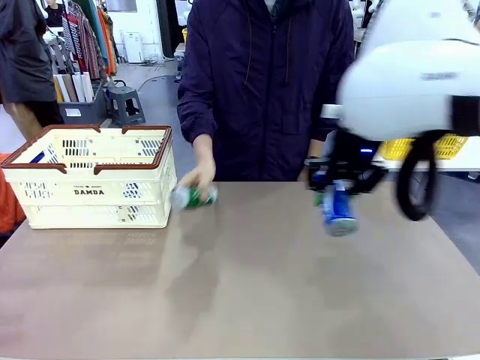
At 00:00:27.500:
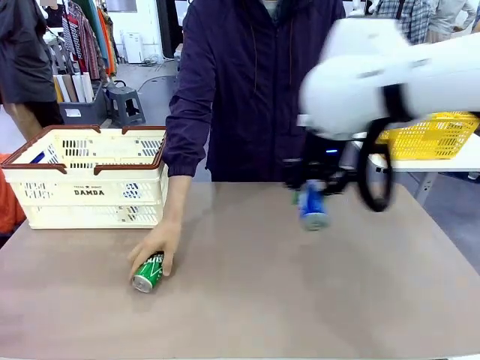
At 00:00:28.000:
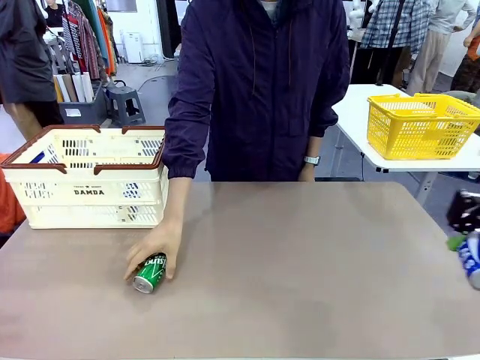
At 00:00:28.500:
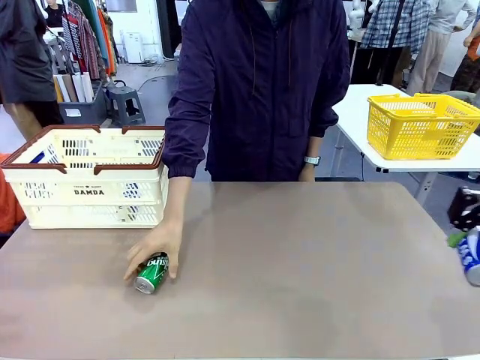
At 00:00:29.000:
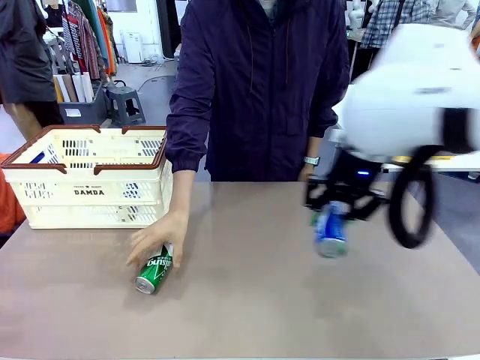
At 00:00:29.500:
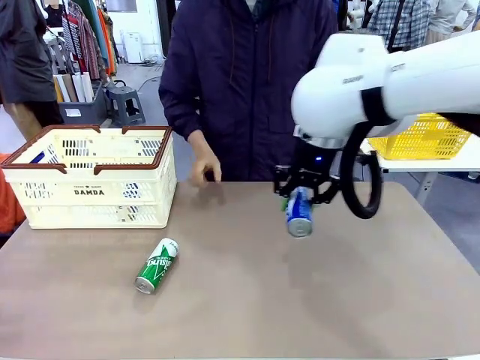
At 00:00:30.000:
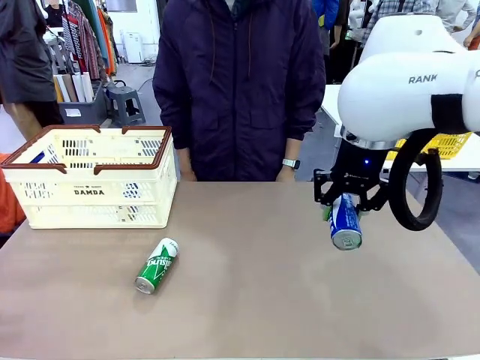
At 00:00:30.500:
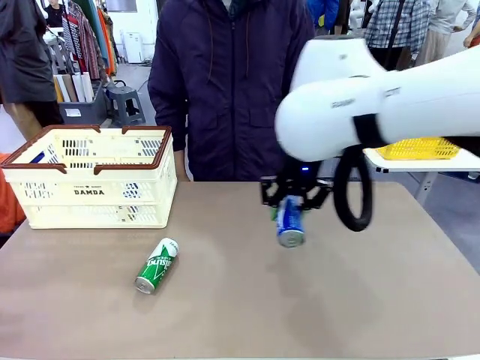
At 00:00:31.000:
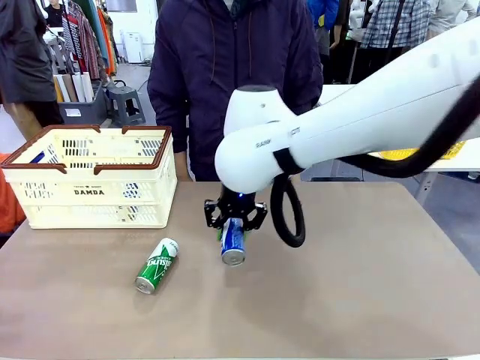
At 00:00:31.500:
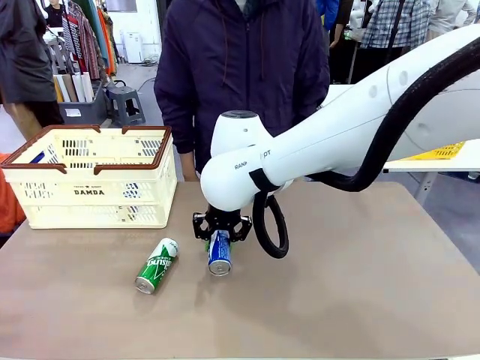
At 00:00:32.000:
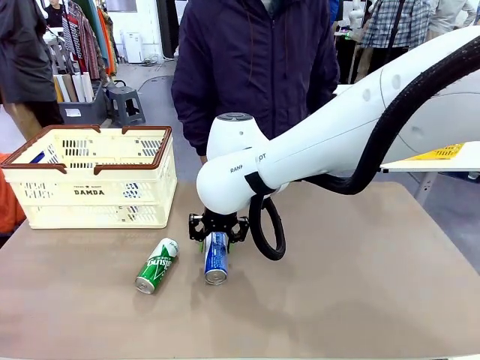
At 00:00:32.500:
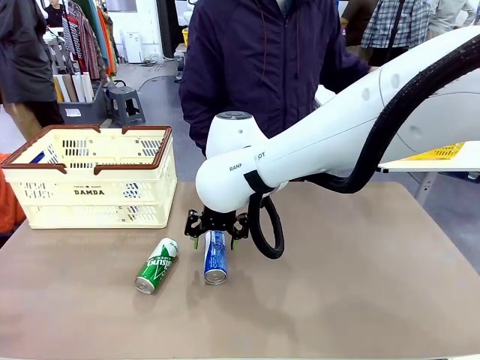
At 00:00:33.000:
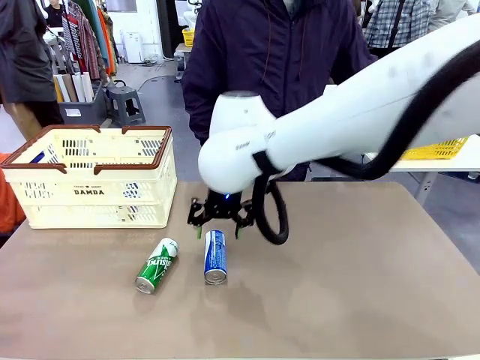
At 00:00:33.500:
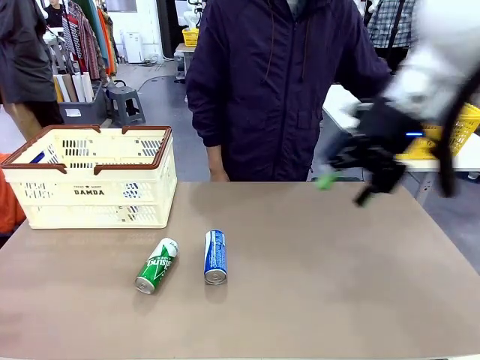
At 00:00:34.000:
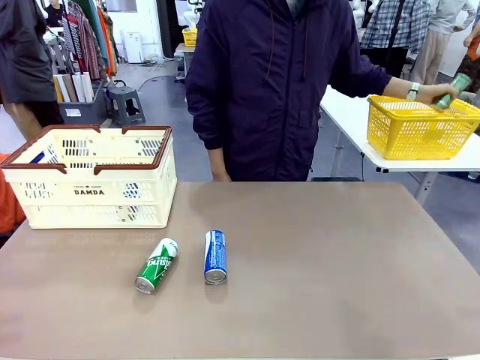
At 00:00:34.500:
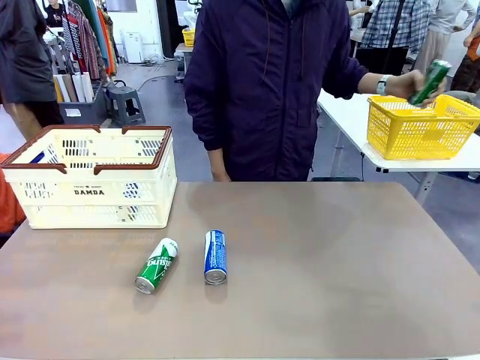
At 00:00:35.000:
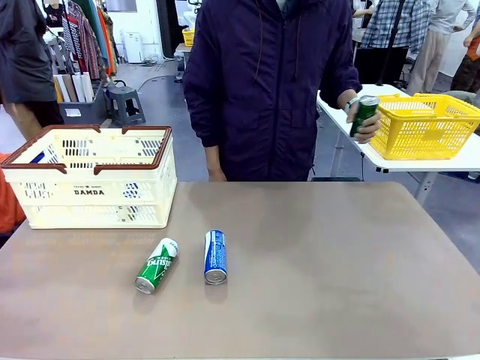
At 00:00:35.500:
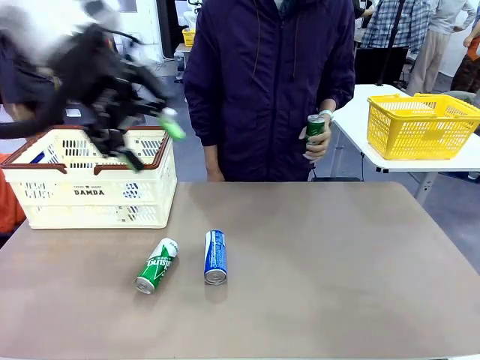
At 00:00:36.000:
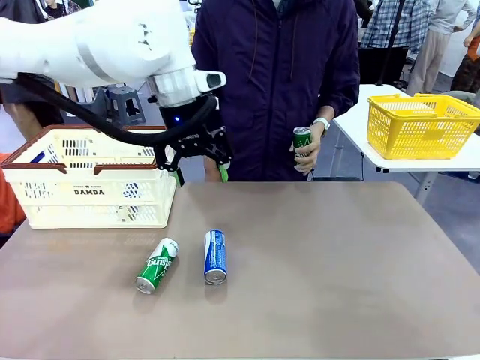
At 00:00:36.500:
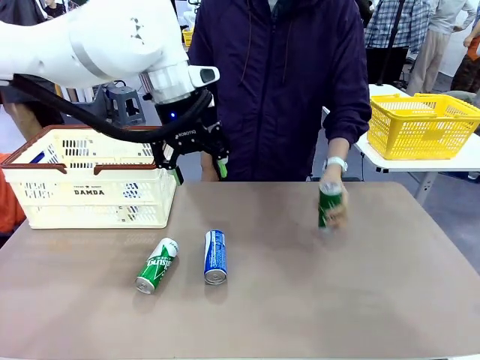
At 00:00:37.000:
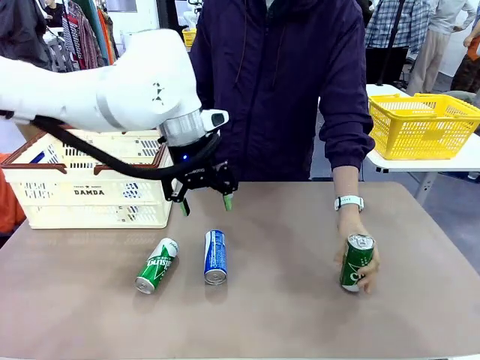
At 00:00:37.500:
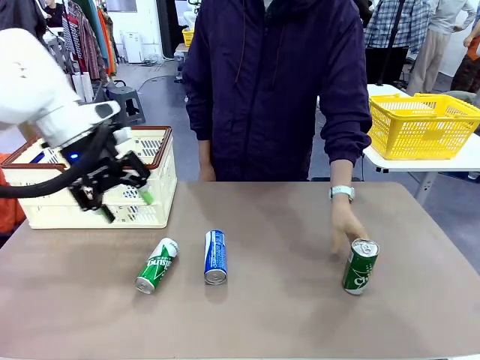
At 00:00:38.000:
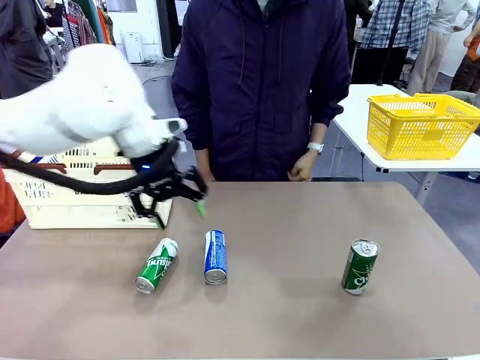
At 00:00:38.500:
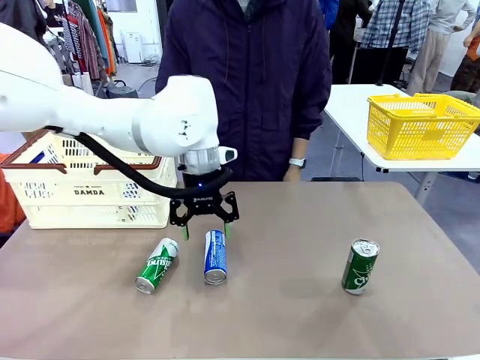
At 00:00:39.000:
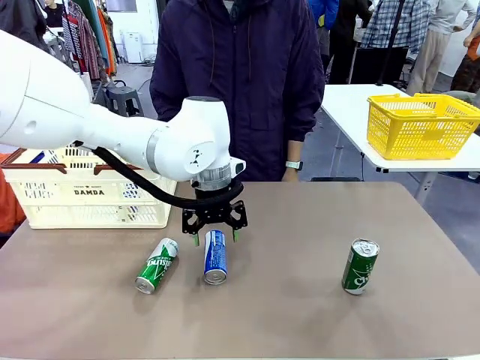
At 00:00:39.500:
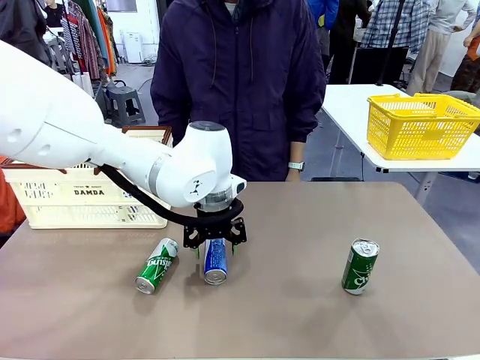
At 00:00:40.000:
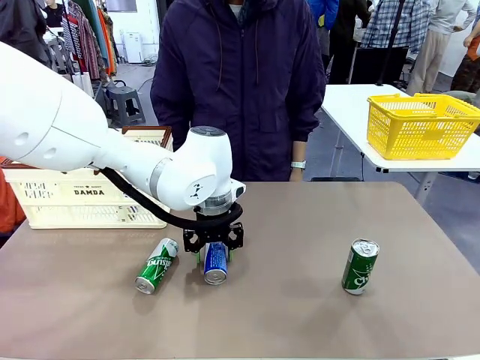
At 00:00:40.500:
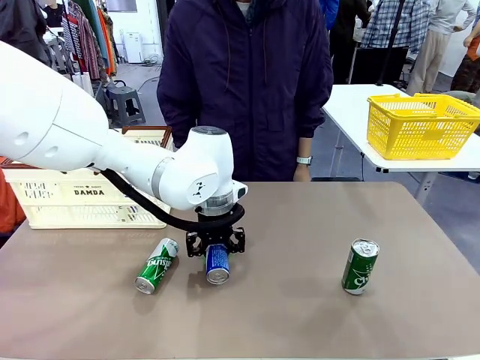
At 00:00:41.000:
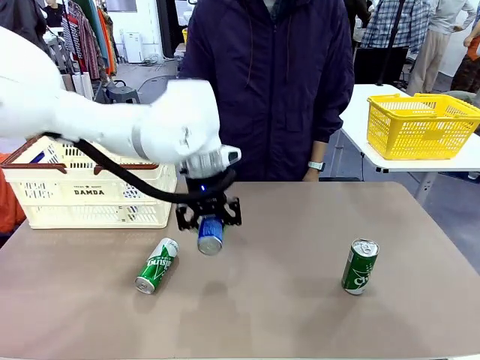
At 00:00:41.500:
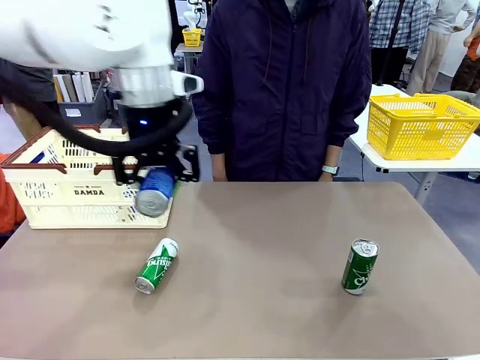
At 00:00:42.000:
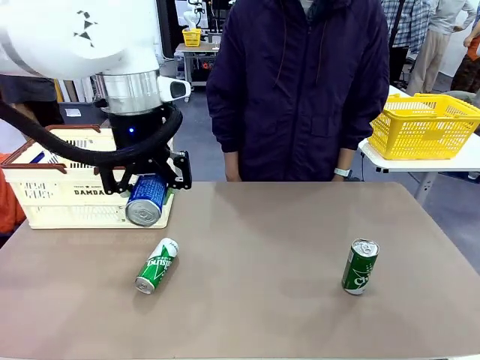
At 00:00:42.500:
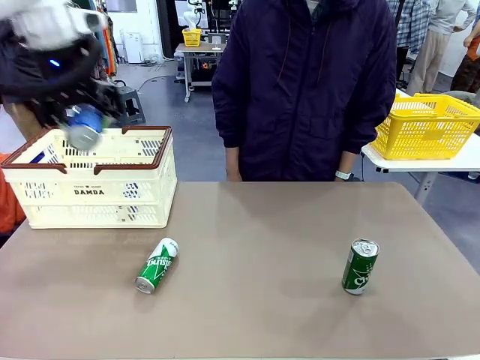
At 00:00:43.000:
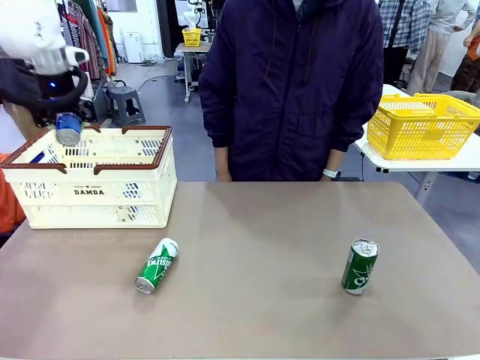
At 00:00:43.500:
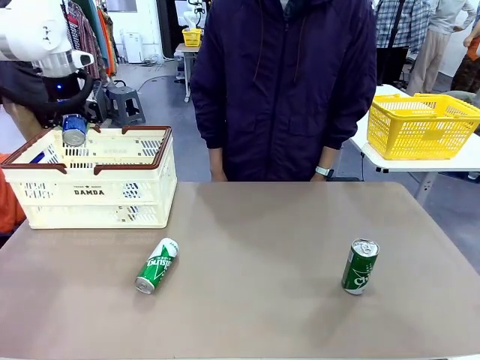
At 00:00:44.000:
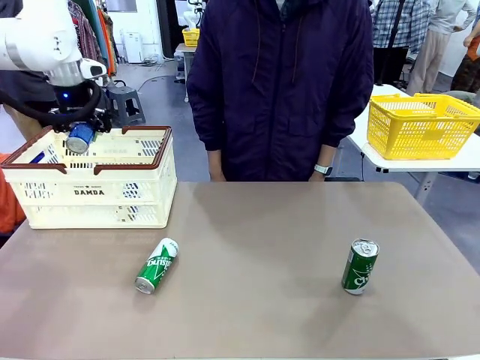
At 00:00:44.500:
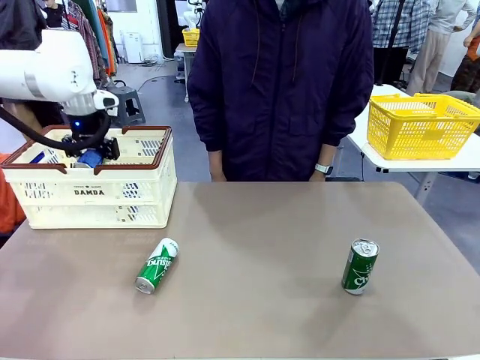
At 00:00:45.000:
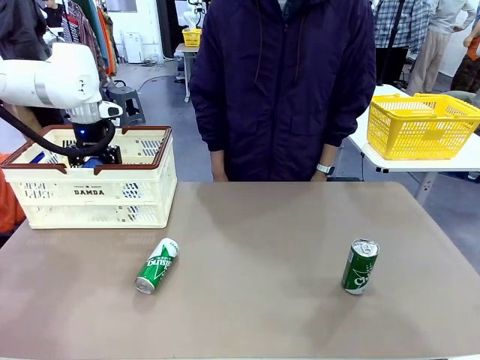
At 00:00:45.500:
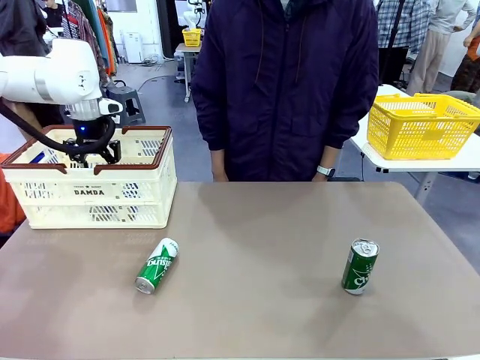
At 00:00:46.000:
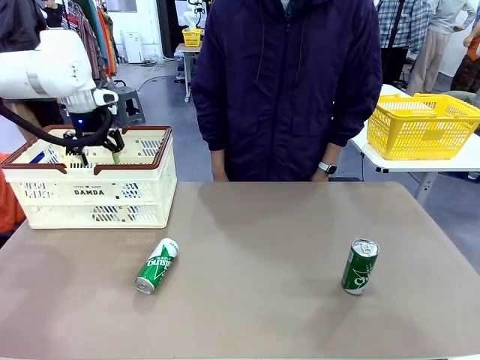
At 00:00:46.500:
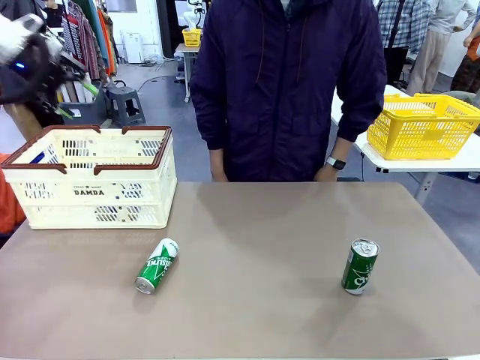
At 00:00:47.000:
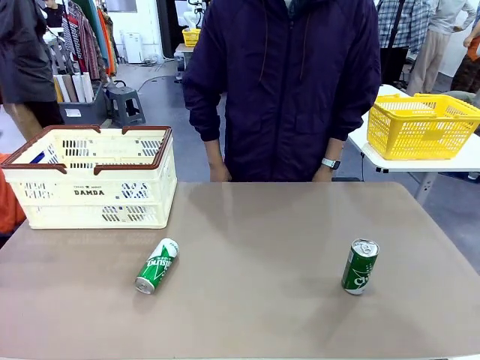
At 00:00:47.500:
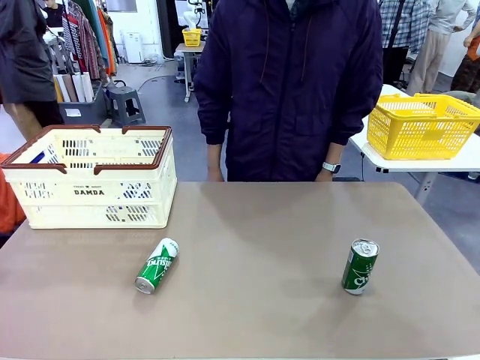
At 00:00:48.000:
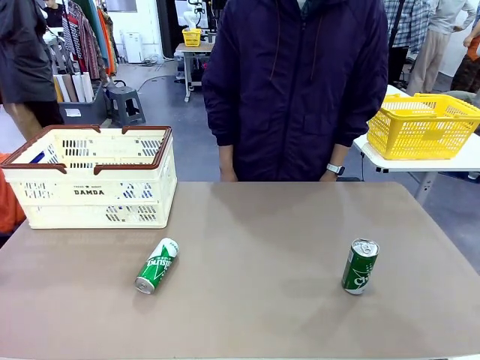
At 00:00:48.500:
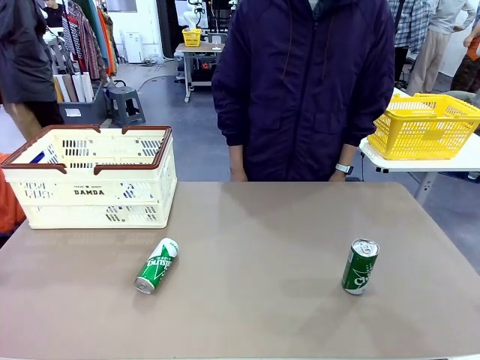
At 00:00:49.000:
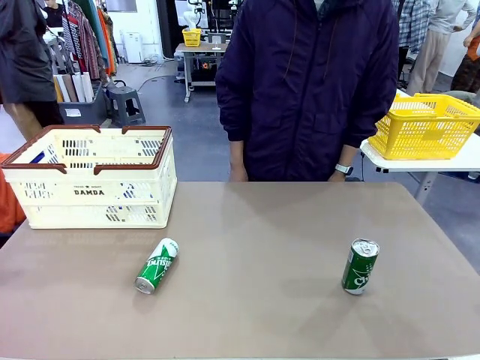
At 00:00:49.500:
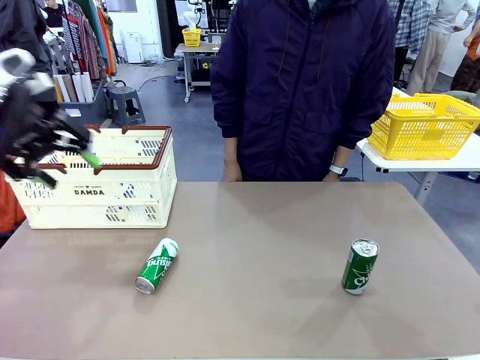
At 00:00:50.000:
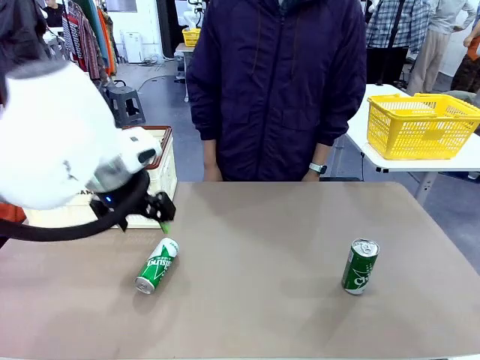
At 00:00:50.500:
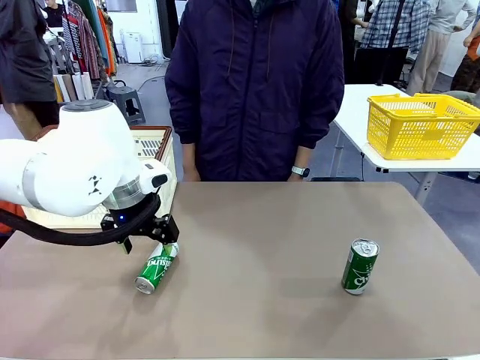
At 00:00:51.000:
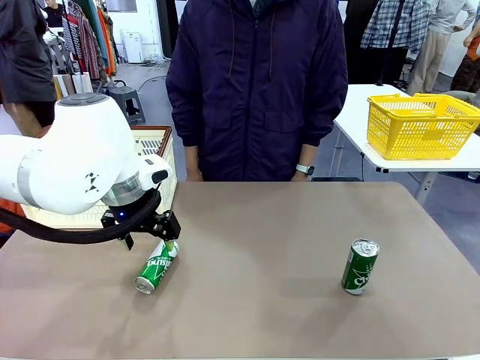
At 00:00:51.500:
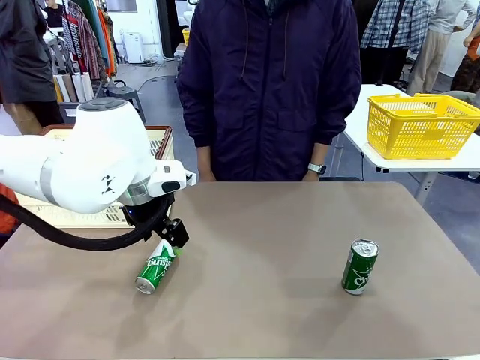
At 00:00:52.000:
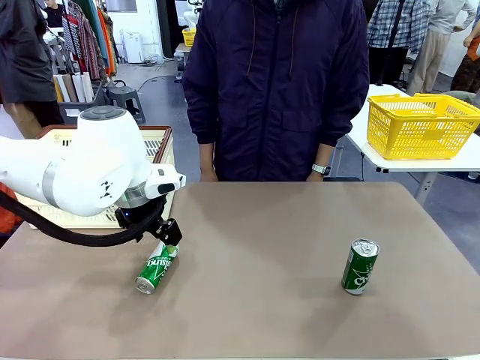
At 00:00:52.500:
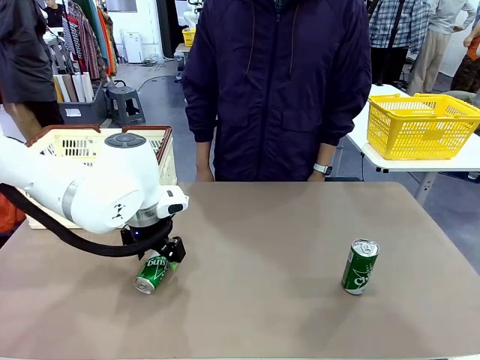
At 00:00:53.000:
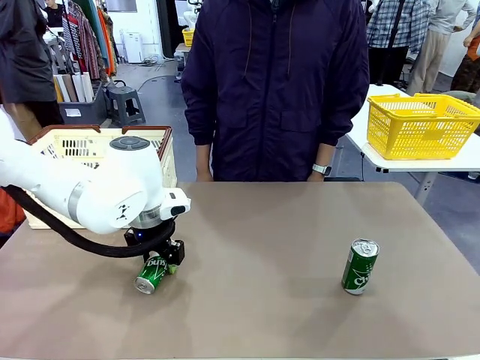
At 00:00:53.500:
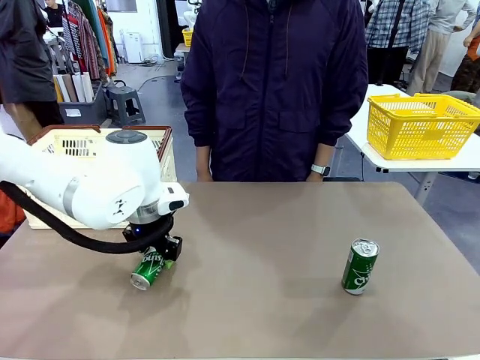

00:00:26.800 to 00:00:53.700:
Task: Place the drinks into the Shopping basket.
Robot: Pick up one drink and place it into the Shopping basket.
